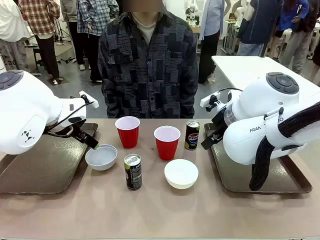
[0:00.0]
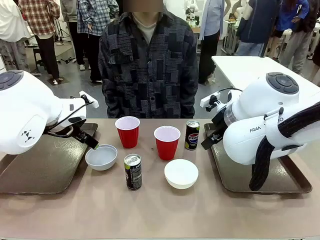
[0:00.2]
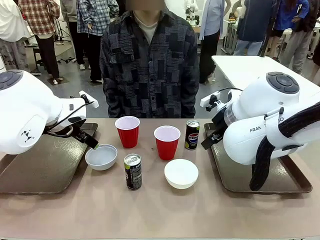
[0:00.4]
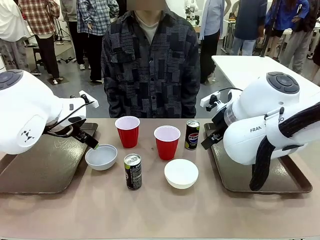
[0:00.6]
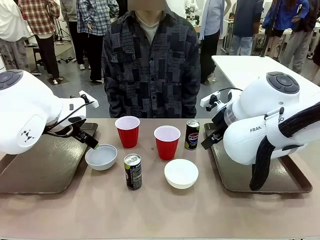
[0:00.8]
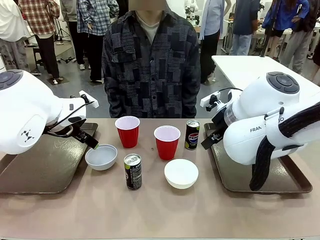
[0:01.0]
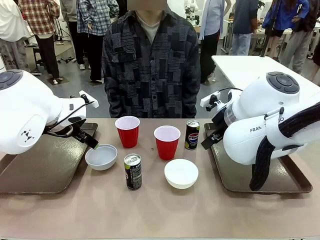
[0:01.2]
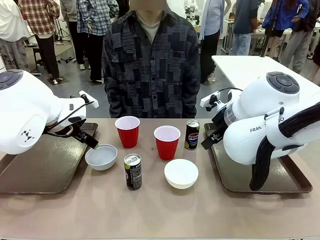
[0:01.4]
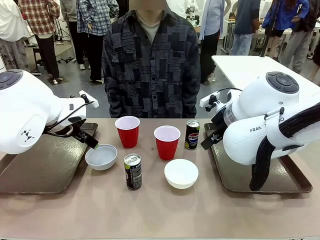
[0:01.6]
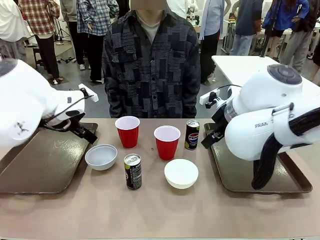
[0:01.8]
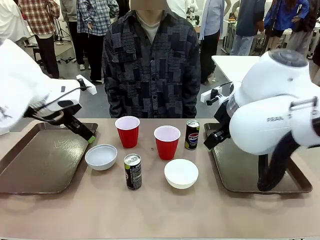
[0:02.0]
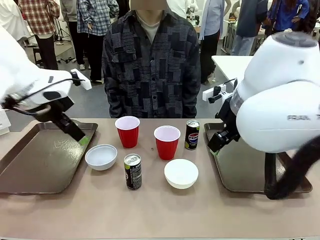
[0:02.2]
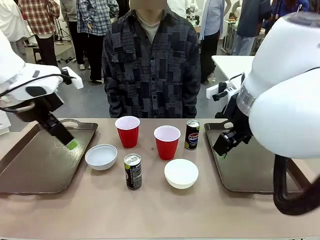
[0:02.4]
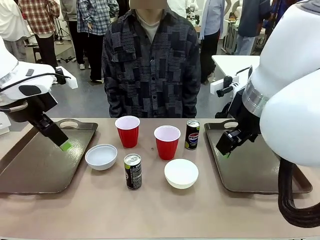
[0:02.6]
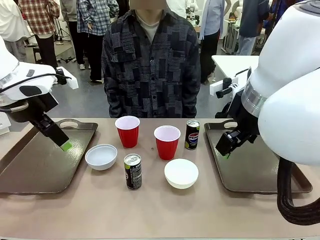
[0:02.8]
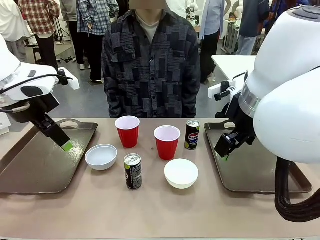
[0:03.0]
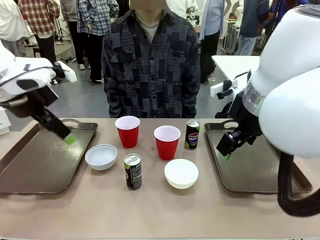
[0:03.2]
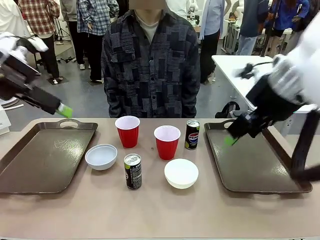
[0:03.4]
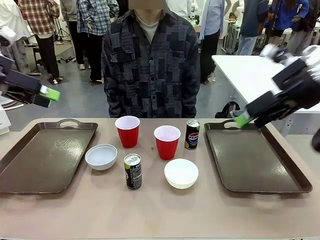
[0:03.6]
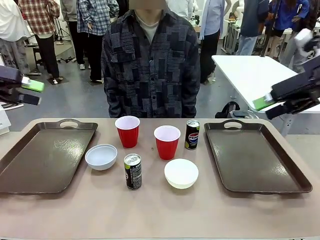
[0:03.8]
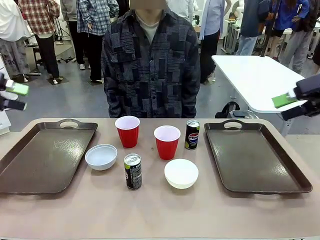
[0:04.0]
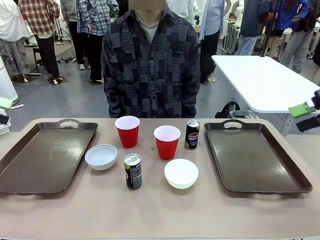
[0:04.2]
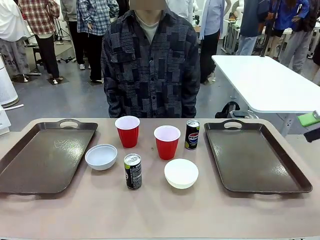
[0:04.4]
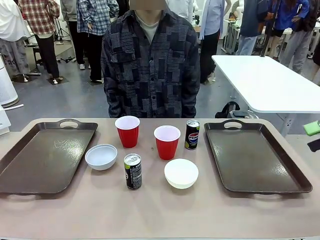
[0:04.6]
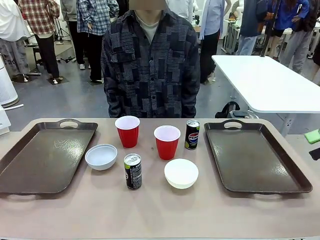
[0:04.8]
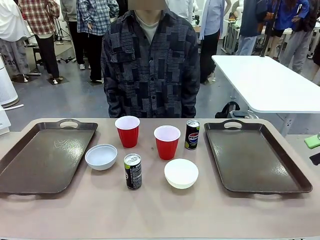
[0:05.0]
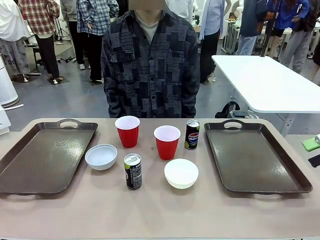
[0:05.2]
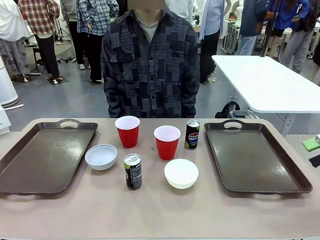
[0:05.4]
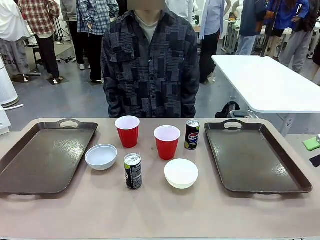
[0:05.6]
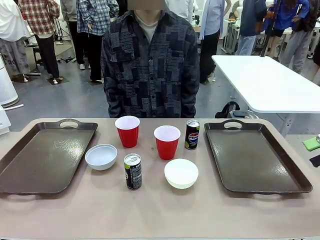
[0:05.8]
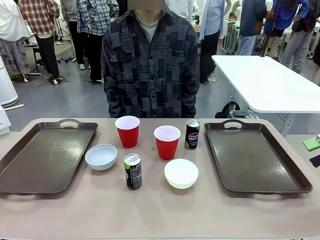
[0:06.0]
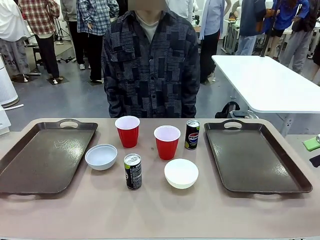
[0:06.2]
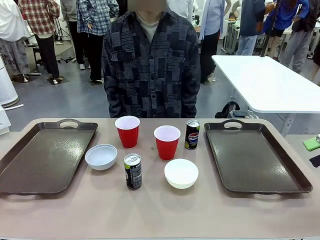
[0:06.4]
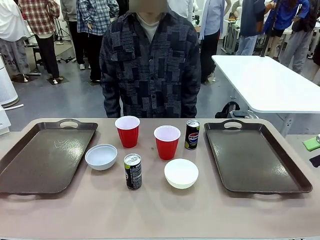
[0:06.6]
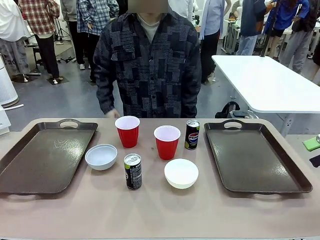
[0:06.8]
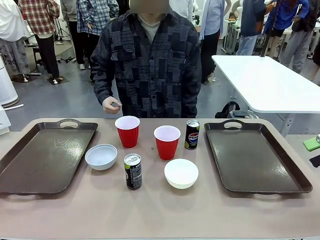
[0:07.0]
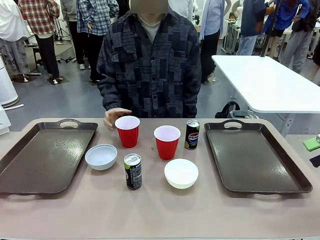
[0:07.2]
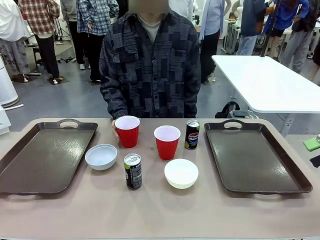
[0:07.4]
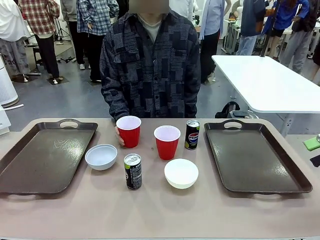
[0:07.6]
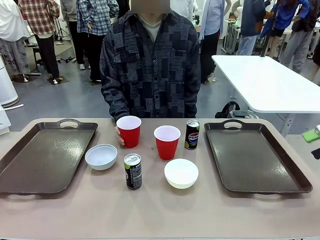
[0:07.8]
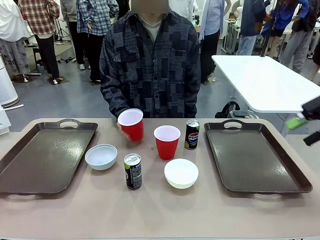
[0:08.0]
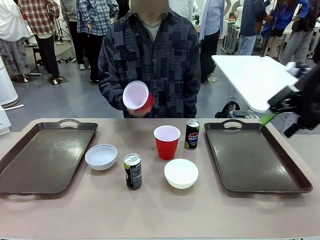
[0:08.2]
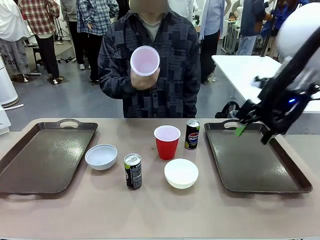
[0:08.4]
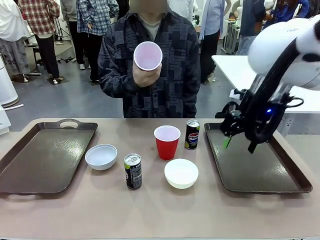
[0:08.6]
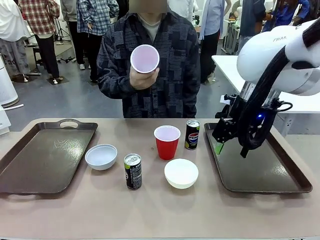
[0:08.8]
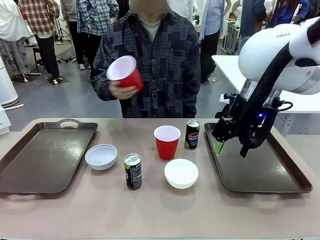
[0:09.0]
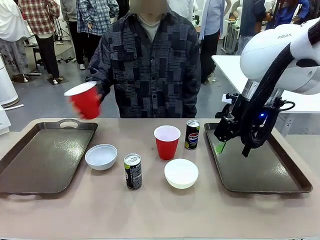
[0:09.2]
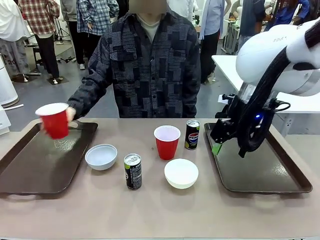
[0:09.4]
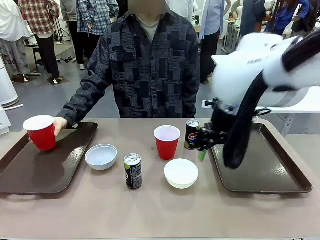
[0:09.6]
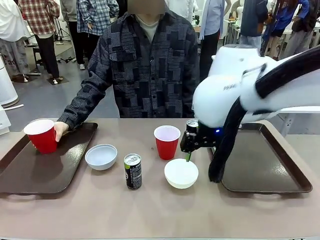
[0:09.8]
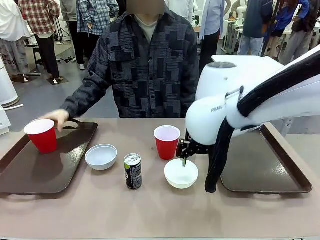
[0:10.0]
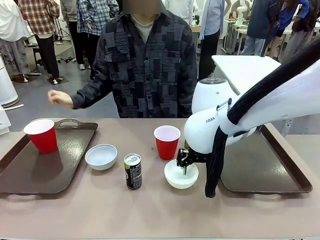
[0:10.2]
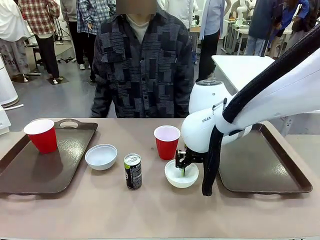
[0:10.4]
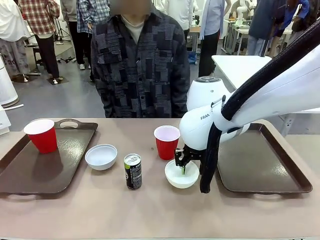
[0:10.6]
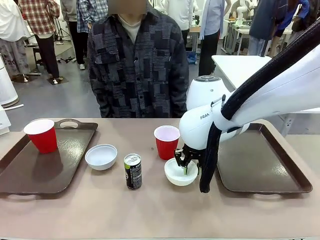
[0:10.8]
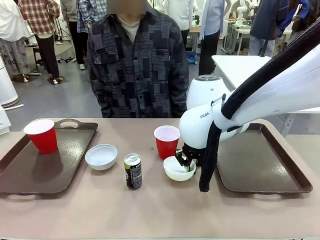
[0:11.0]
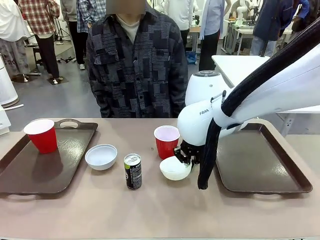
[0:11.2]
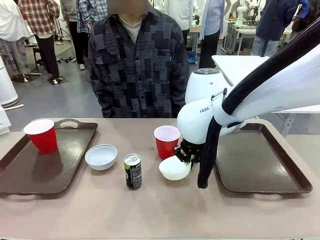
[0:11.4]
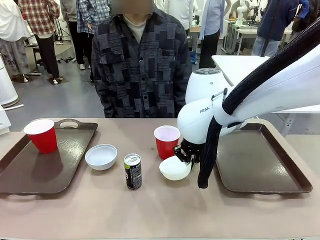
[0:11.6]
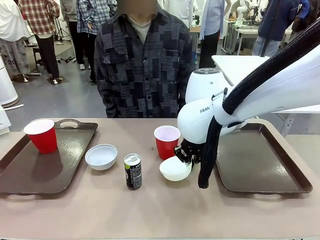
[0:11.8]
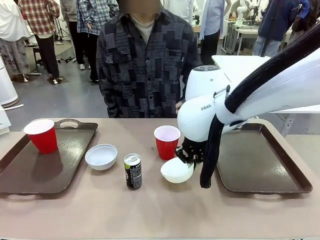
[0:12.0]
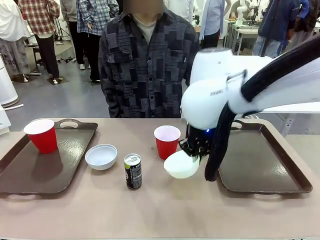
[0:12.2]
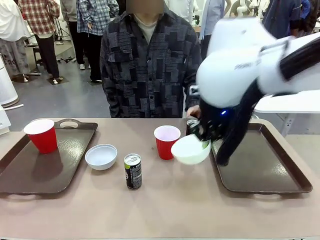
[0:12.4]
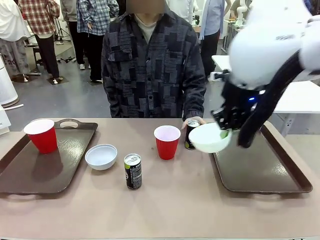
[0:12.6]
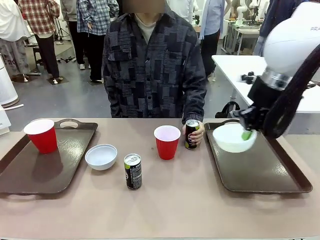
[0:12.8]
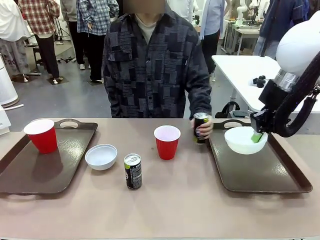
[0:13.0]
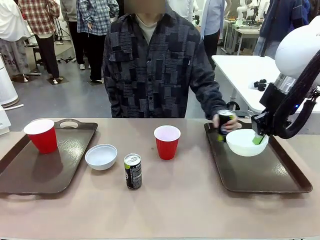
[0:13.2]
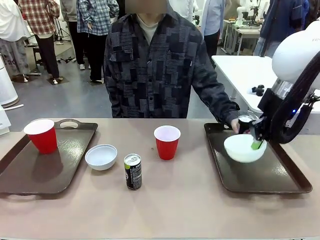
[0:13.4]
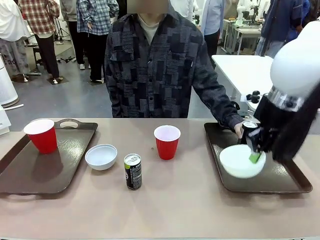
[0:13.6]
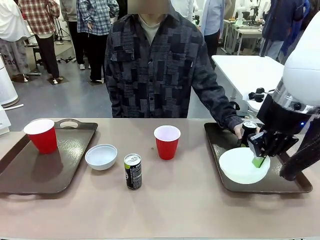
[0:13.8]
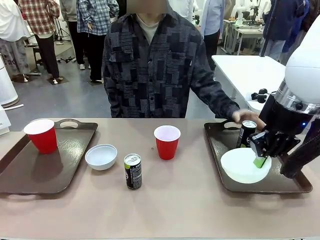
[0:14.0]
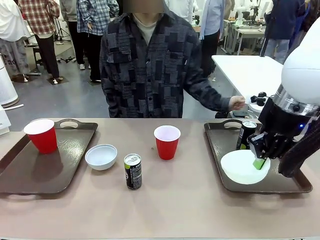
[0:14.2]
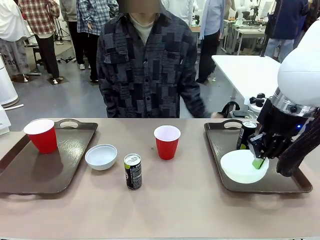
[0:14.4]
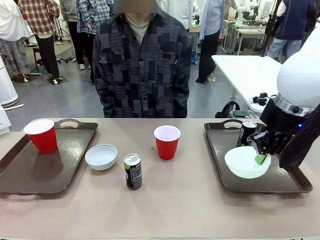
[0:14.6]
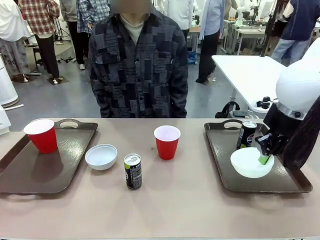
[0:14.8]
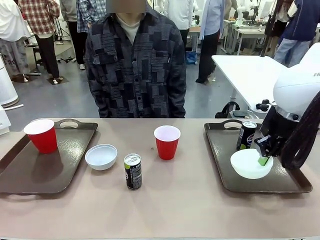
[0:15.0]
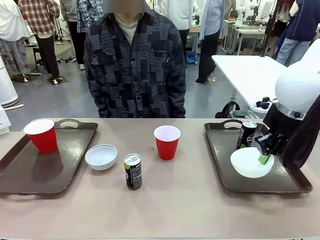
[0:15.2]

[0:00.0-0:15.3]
Task: Prepare tableware on both trays.
Robot: Pick up a Picnic Bowl from the table and place it on a Handle tray.
Person: Pick up a can or cup and place it on the tray.
